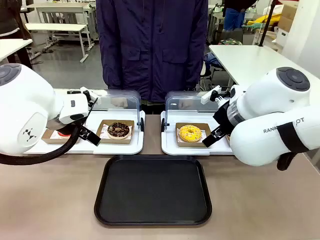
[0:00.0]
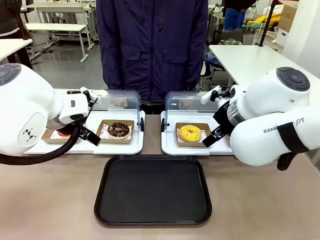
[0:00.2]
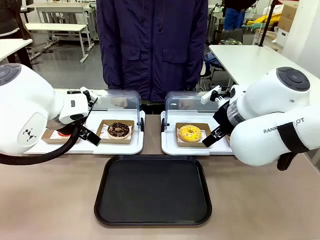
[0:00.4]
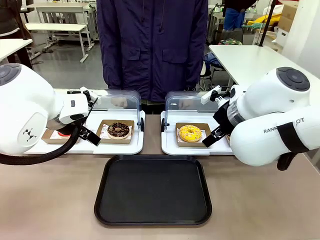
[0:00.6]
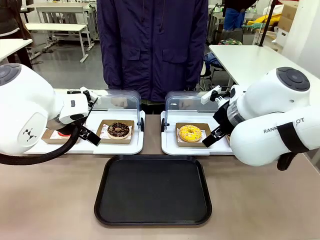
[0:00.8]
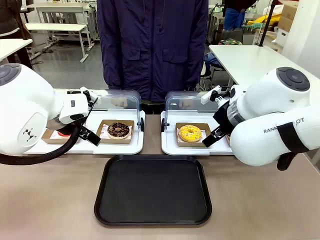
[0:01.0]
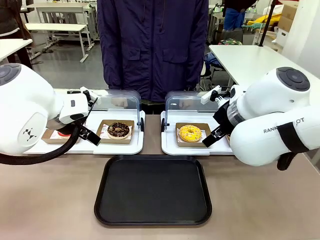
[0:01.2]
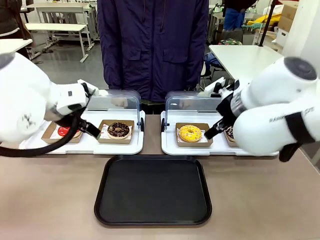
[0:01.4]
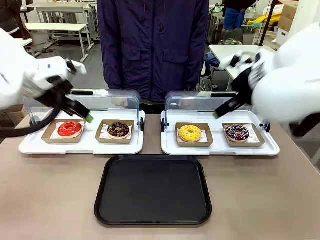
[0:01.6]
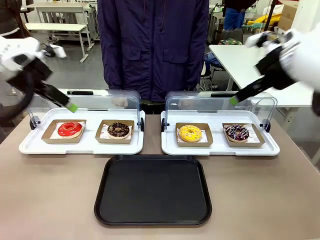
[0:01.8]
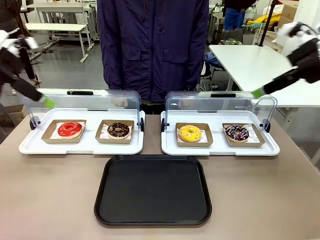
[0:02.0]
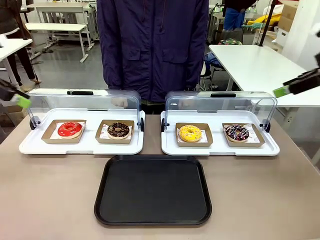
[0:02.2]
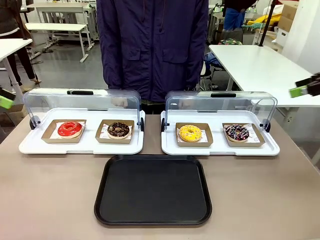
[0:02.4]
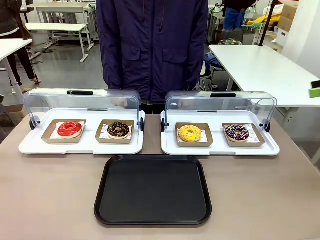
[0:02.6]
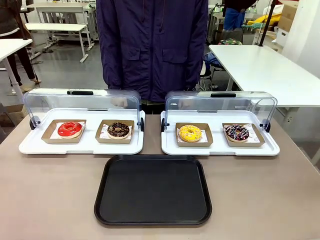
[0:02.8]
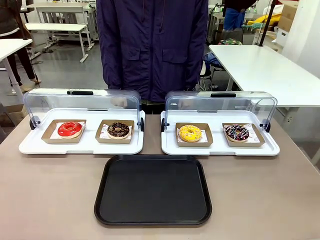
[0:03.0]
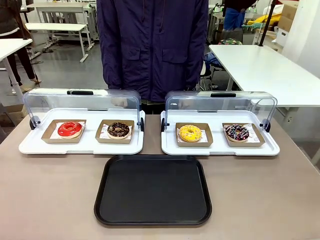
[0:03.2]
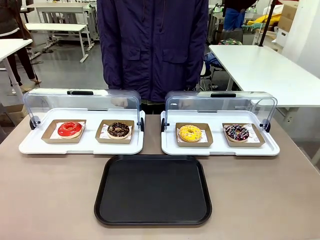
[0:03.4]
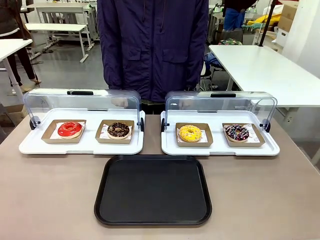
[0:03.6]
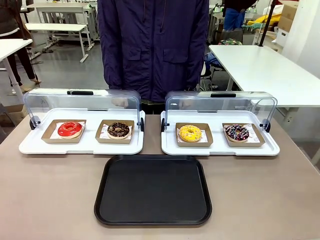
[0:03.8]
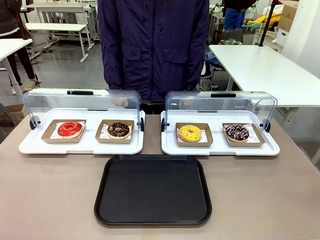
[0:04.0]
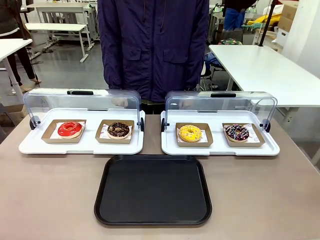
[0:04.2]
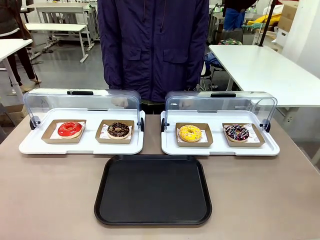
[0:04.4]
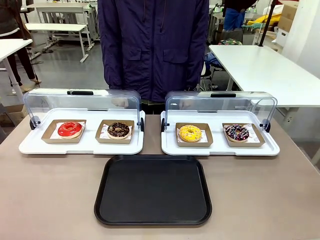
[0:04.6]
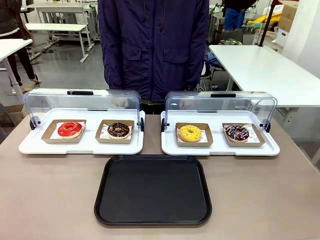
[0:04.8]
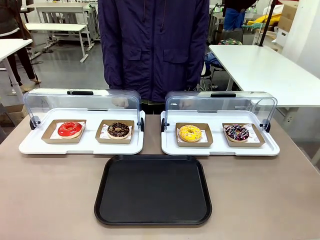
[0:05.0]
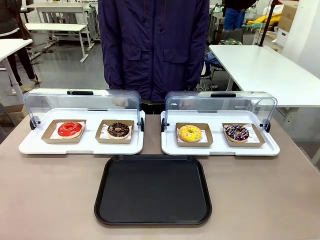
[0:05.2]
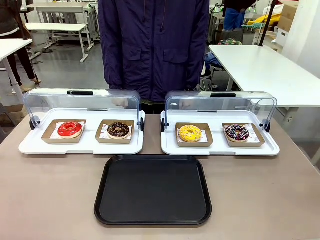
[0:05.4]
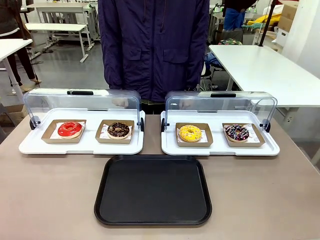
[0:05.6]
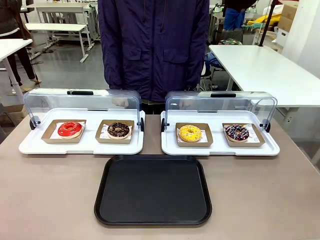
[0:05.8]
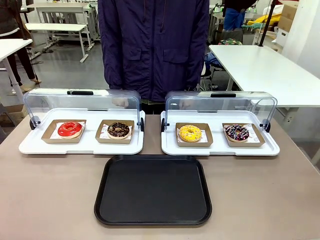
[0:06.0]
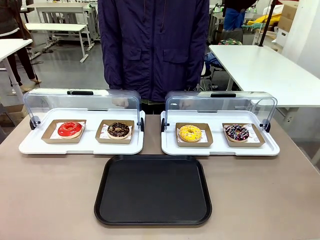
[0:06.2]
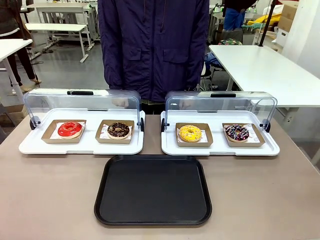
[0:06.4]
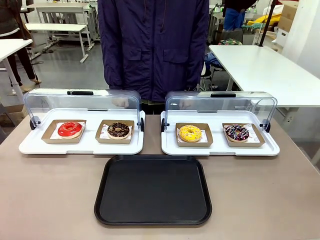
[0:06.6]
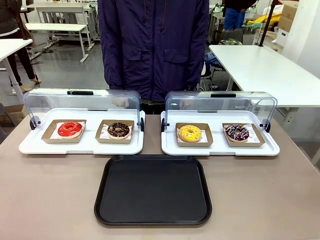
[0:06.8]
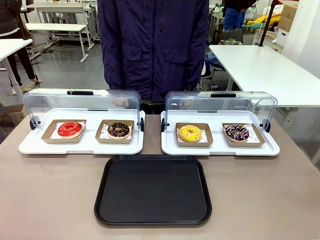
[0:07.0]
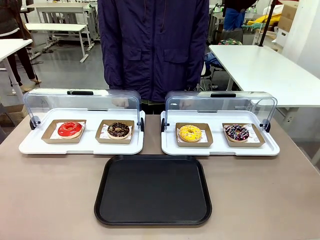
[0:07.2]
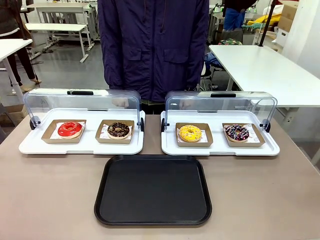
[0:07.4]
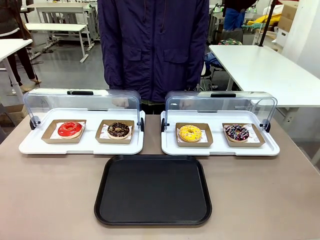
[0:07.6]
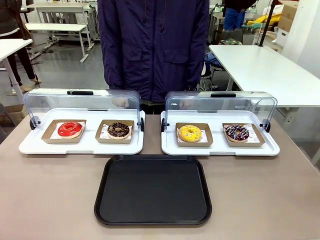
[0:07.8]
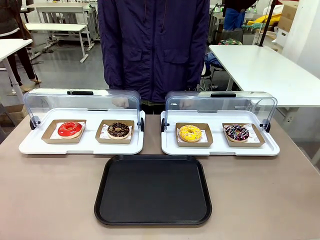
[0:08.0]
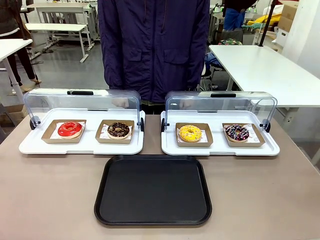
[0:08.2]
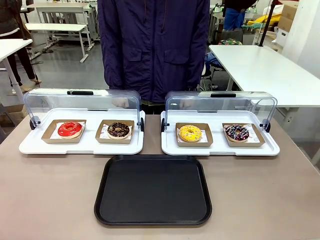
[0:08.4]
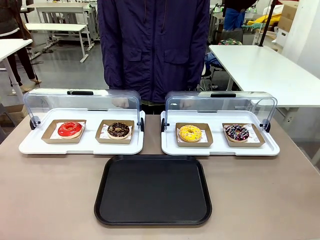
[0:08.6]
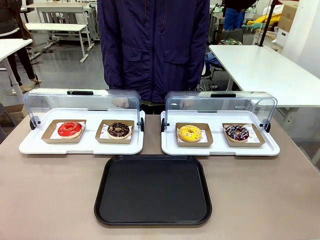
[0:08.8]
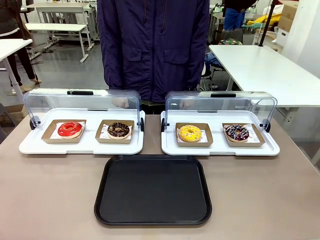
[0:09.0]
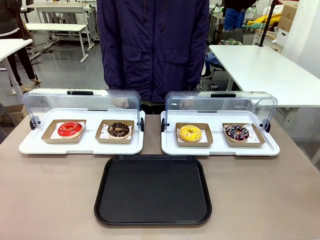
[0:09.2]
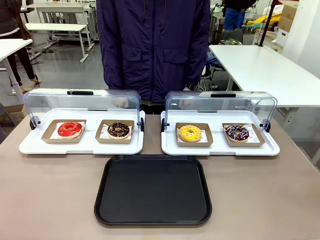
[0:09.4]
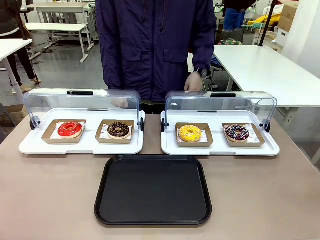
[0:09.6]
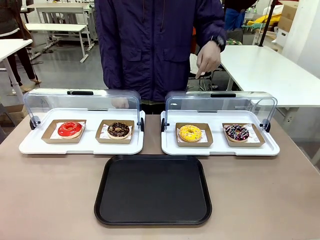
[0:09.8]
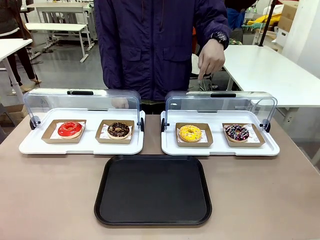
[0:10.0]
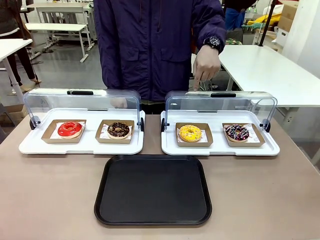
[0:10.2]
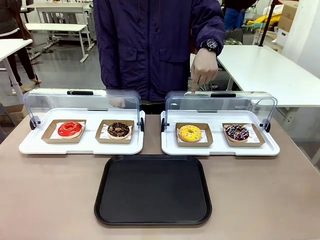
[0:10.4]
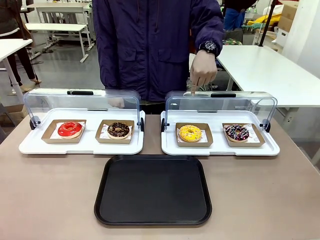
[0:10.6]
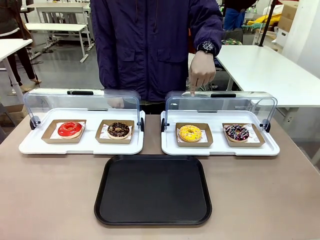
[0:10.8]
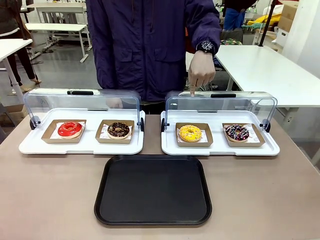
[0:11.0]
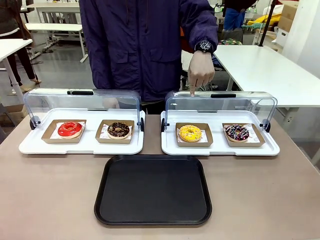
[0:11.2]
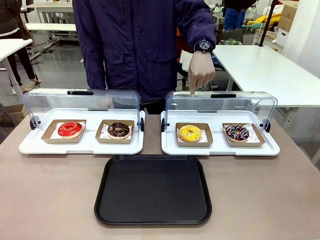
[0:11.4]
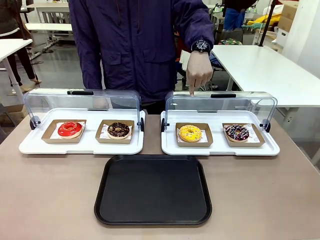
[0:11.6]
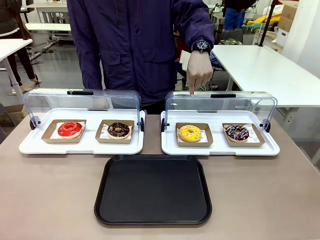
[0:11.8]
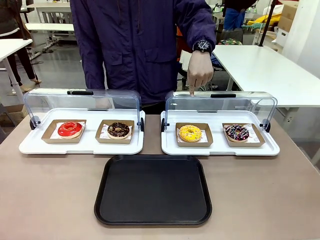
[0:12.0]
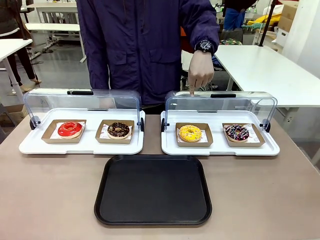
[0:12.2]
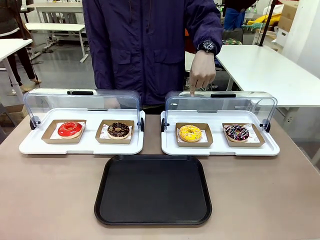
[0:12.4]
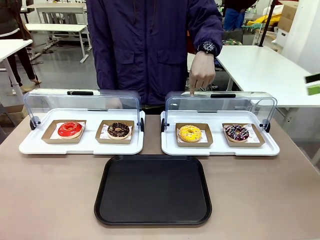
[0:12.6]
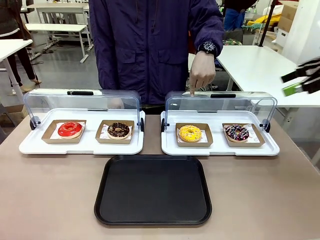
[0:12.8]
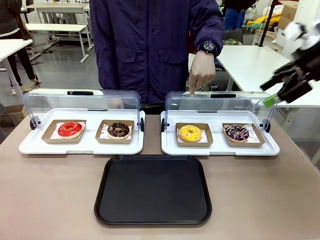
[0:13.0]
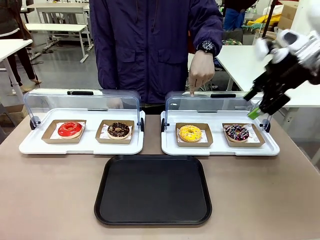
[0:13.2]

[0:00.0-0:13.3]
Task: Move the third donut from the left to the tray.
Robot: Pick up the Paper togo box containing the Donut indicated by the person and place it on the Handle tray.

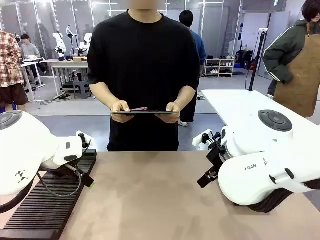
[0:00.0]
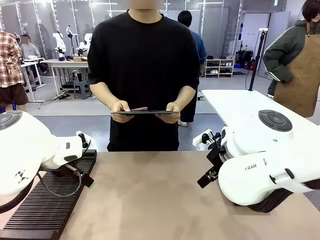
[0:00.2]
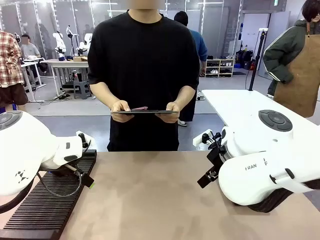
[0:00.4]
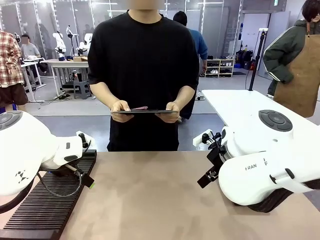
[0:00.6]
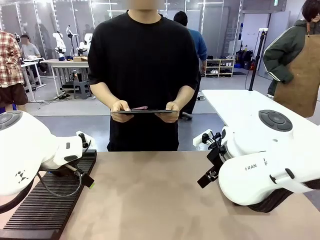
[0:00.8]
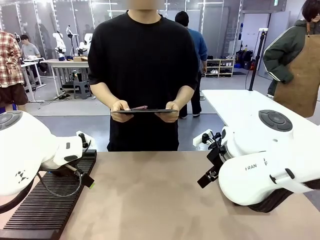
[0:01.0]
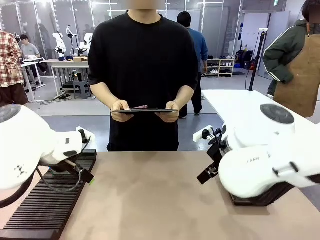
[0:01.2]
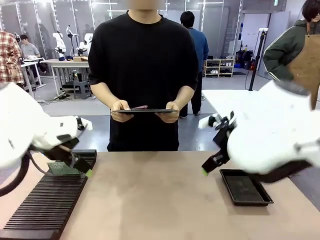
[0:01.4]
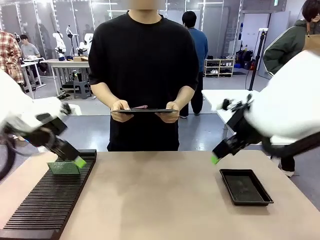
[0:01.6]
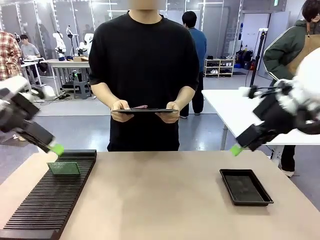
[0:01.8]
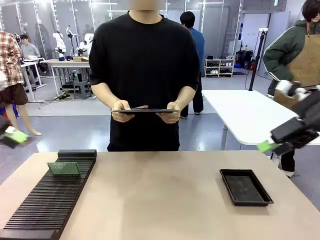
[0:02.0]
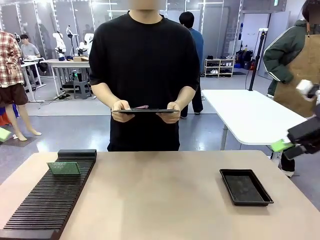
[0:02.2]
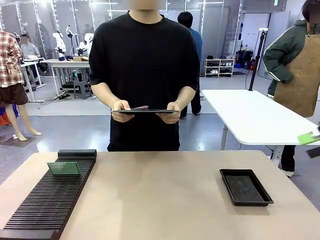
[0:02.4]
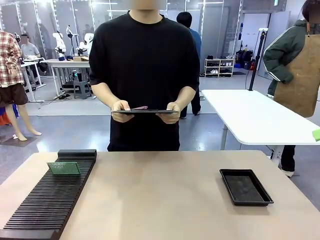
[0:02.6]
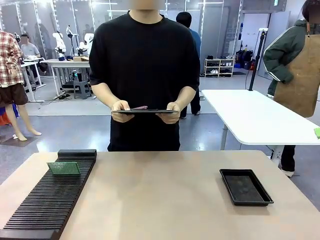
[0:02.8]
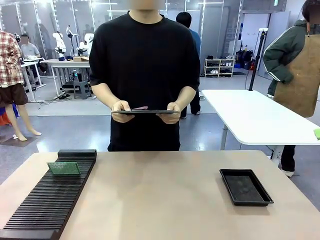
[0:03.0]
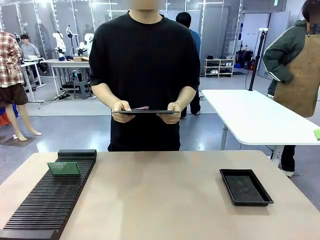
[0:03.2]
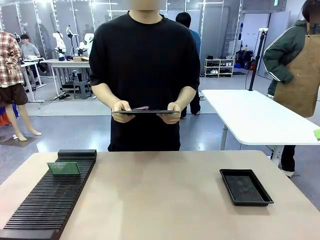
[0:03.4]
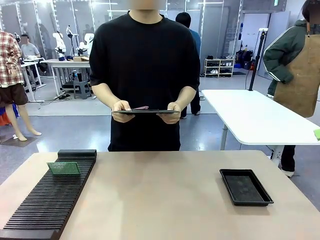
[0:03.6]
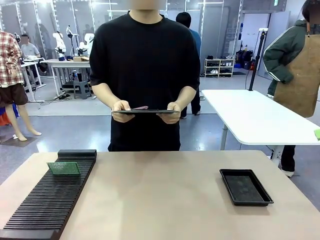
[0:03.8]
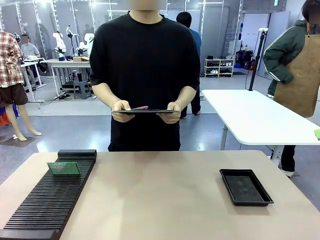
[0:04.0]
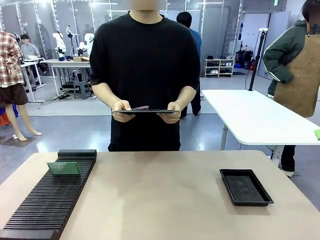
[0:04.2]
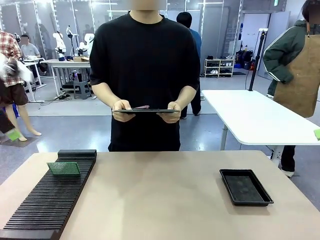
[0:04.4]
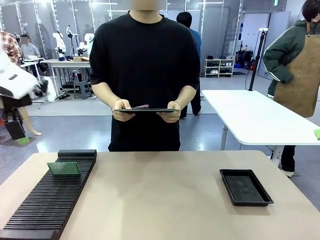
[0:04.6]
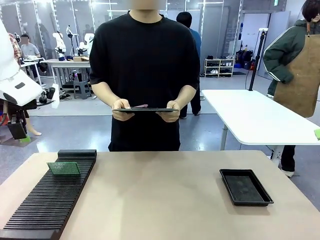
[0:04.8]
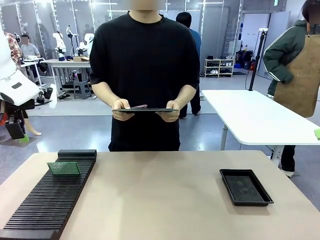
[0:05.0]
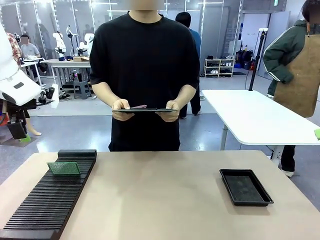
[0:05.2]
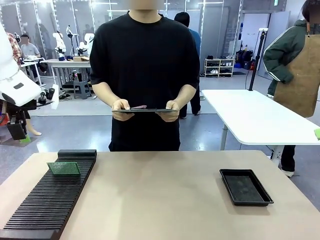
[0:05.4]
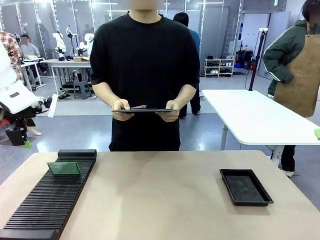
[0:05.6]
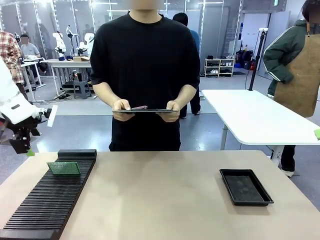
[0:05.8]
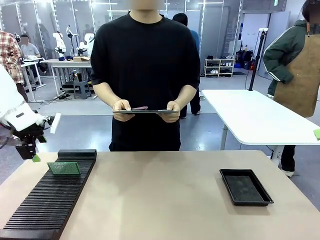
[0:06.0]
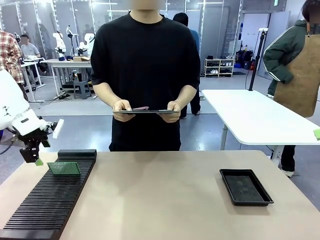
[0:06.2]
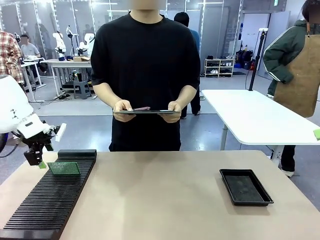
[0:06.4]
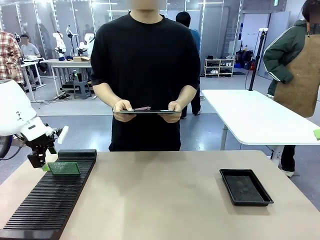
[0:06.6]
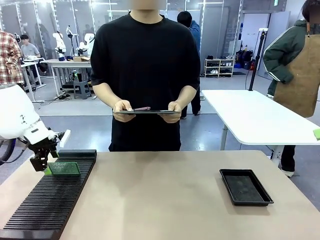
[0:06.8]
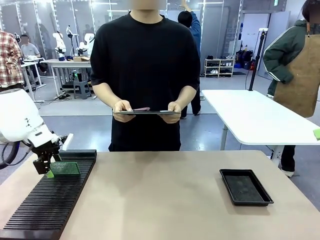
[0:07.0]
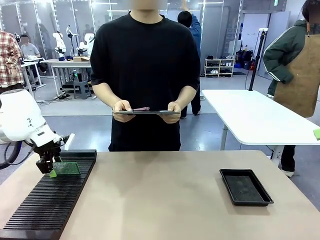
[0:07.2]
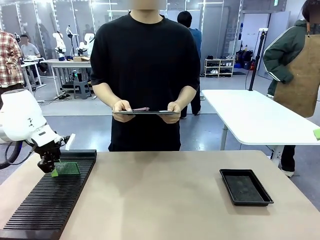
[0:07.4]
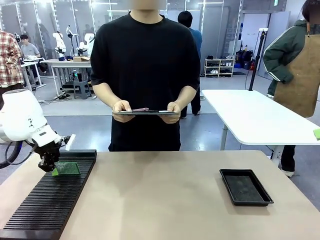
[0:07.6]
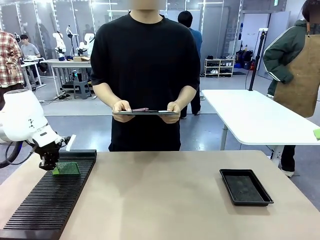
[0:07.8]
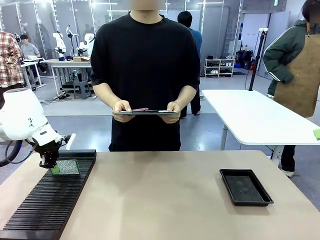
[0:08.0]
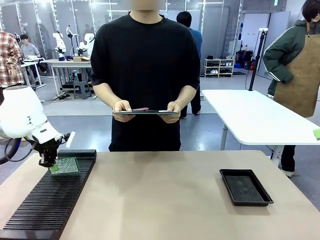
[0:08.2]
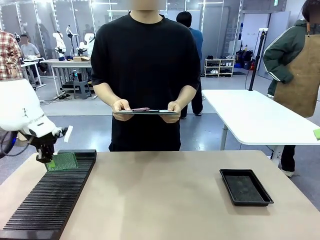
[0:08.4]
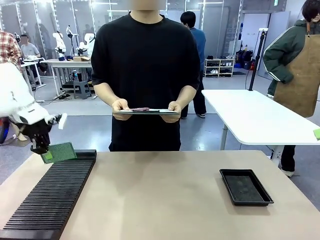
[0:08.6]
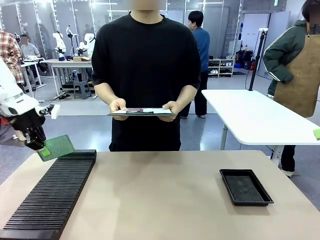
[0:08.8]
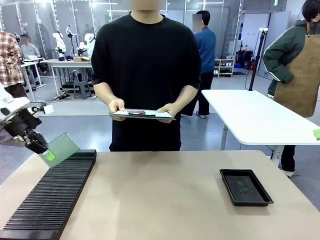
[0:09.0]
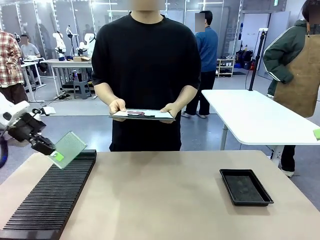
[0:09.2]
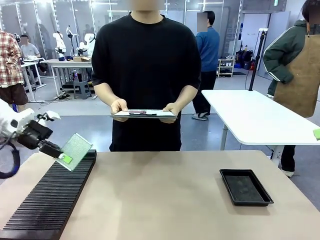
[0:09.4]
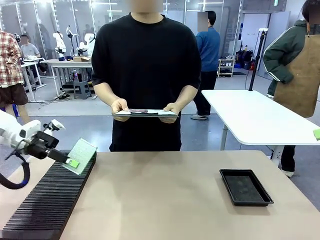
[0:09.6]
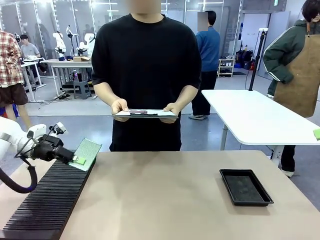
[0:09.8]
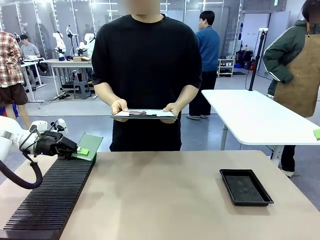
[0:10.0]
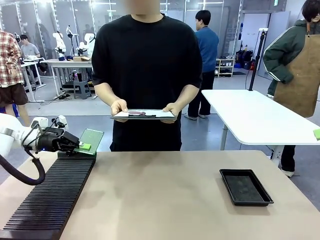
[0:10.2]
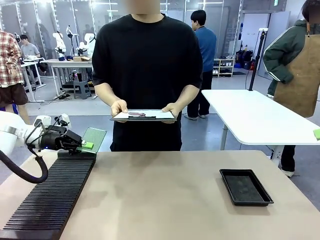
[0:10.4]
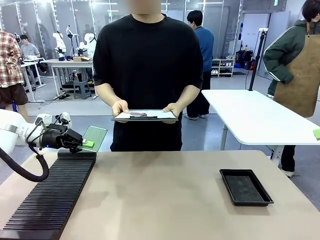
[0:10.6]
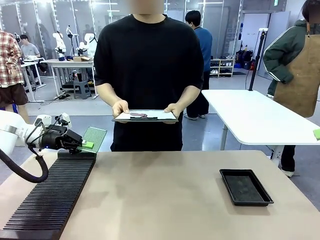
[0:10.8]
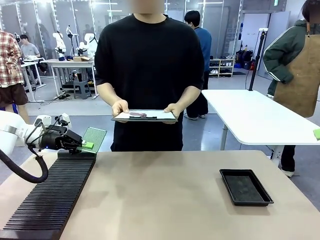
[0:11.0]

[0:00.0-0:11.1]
Task: Inspect the PCB.
Robot: Pick up the Blank PCB and present it to the human.
Person: Pick up the PCB presented by the robot.
